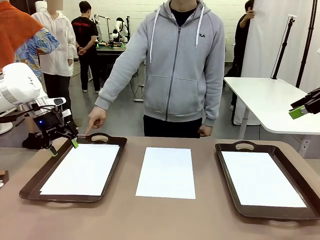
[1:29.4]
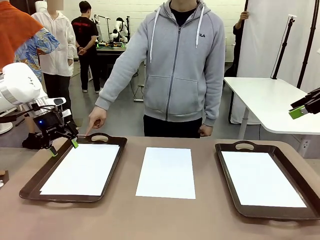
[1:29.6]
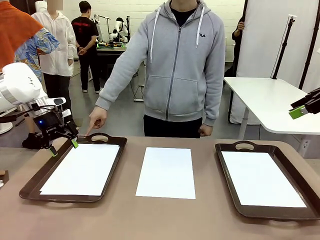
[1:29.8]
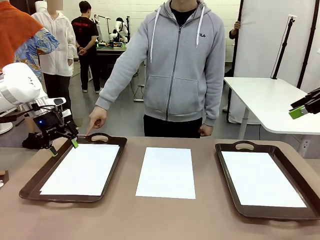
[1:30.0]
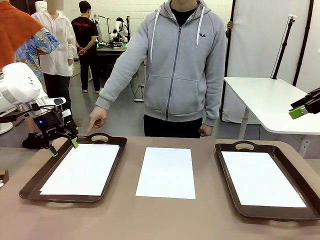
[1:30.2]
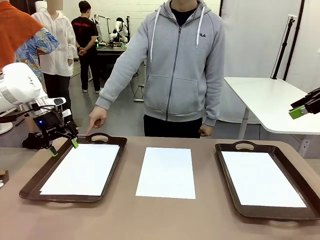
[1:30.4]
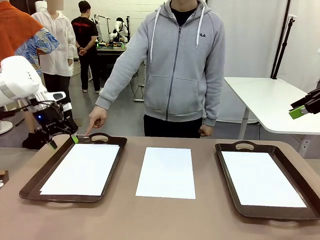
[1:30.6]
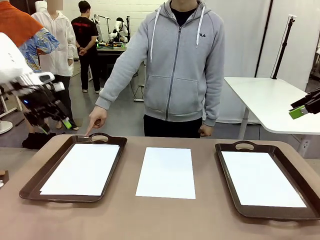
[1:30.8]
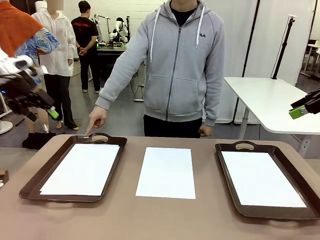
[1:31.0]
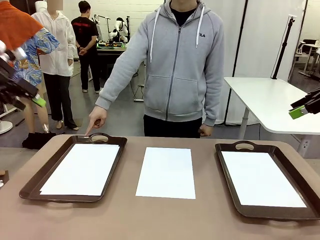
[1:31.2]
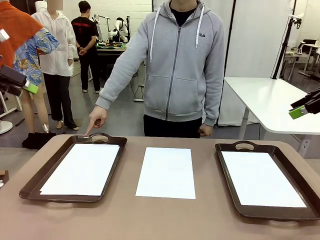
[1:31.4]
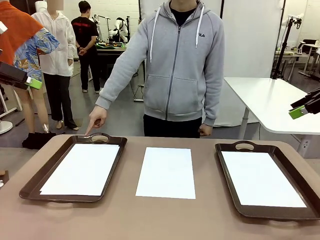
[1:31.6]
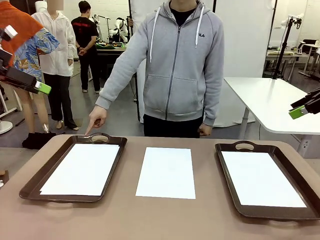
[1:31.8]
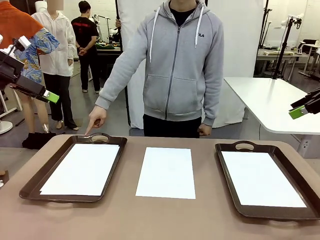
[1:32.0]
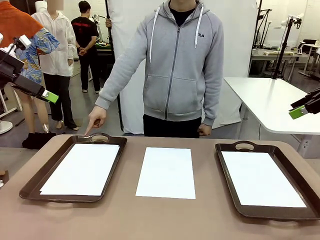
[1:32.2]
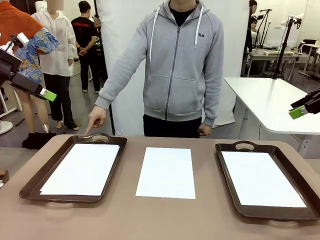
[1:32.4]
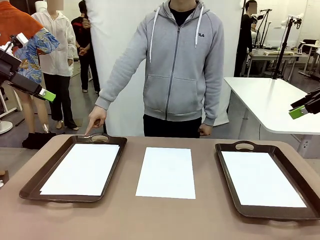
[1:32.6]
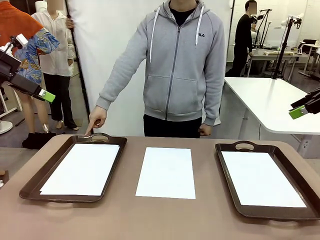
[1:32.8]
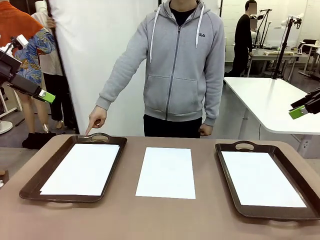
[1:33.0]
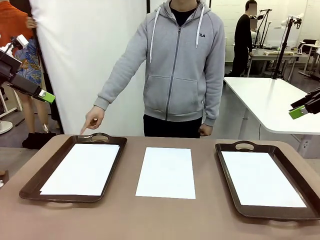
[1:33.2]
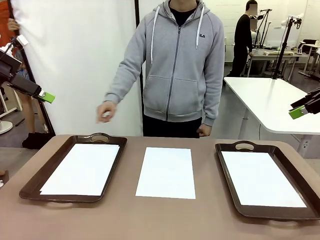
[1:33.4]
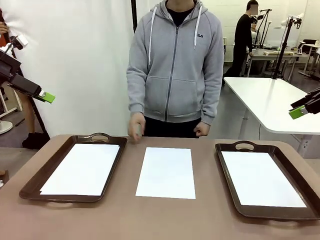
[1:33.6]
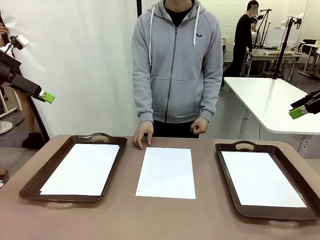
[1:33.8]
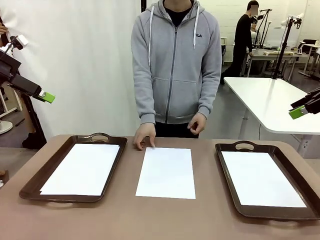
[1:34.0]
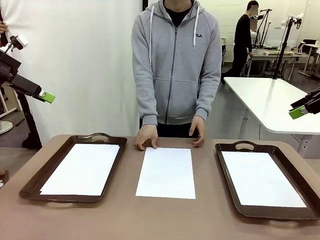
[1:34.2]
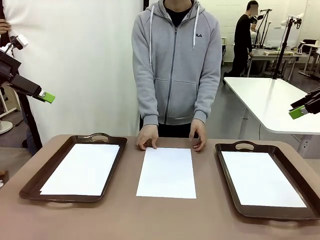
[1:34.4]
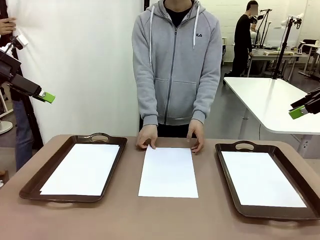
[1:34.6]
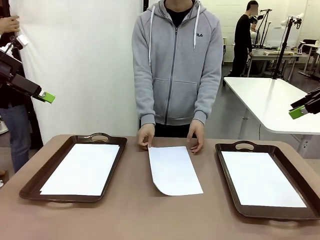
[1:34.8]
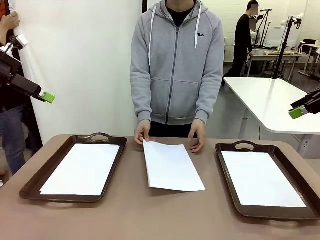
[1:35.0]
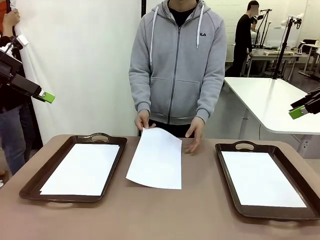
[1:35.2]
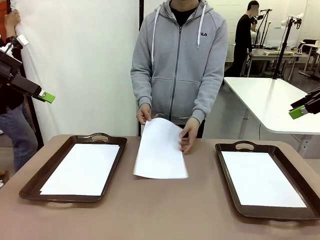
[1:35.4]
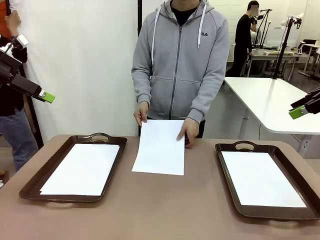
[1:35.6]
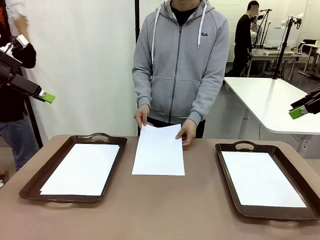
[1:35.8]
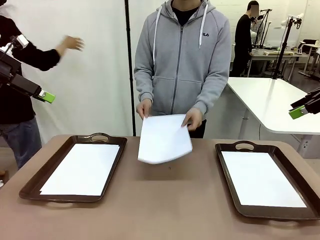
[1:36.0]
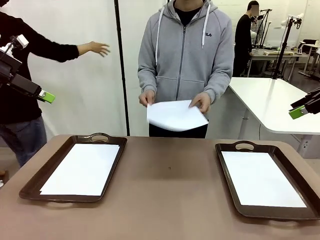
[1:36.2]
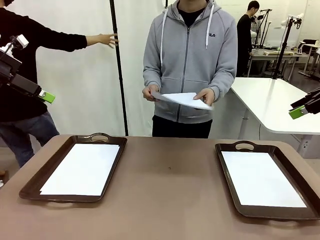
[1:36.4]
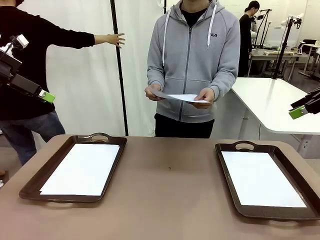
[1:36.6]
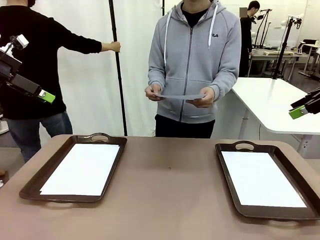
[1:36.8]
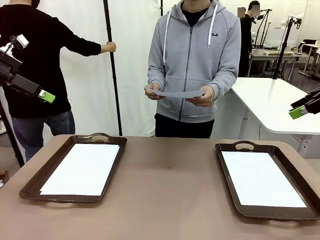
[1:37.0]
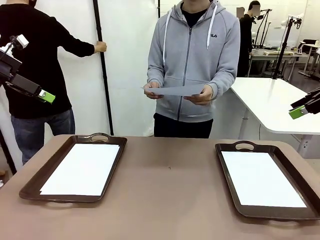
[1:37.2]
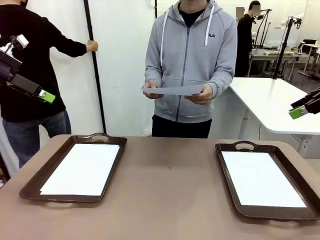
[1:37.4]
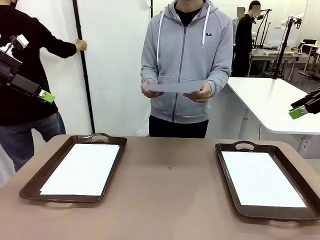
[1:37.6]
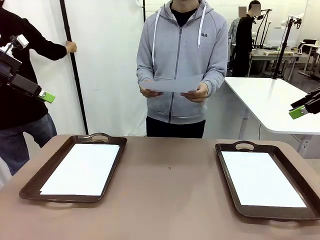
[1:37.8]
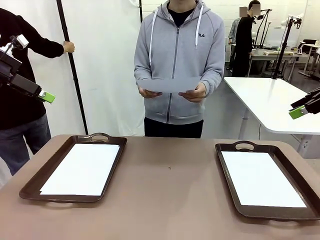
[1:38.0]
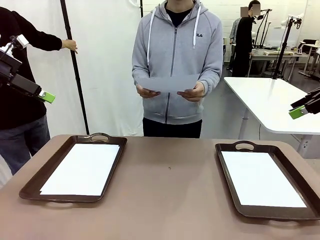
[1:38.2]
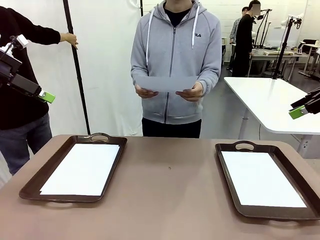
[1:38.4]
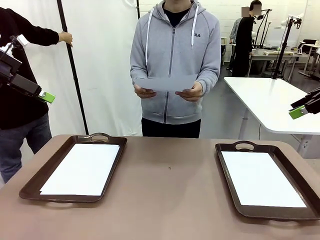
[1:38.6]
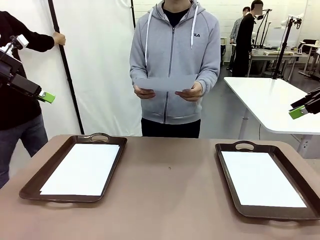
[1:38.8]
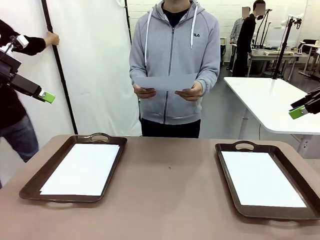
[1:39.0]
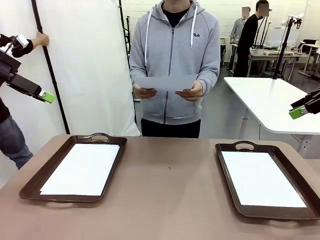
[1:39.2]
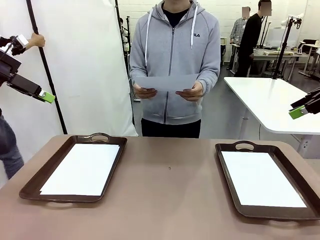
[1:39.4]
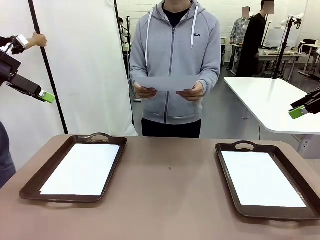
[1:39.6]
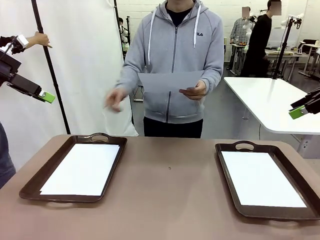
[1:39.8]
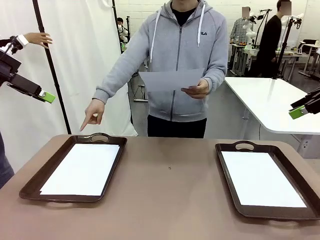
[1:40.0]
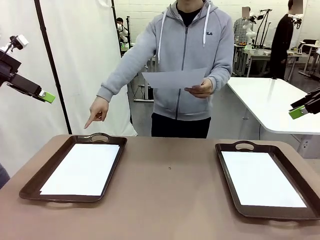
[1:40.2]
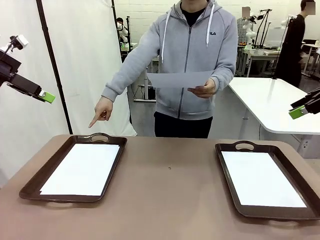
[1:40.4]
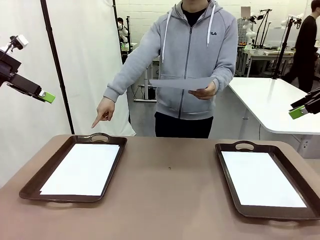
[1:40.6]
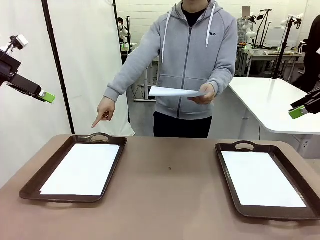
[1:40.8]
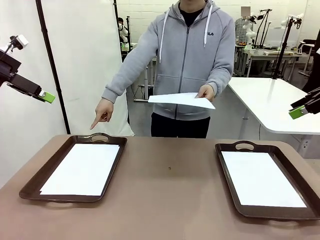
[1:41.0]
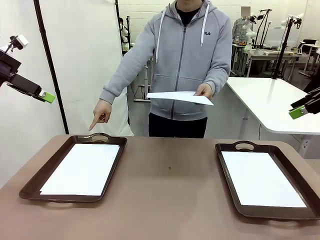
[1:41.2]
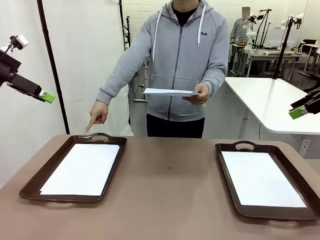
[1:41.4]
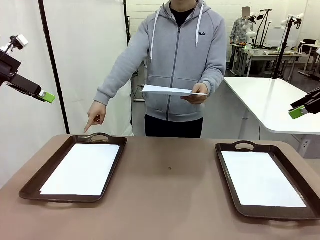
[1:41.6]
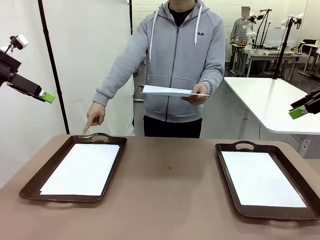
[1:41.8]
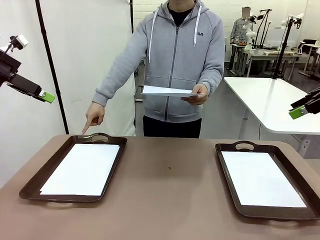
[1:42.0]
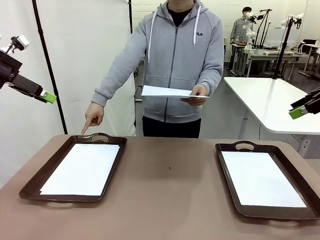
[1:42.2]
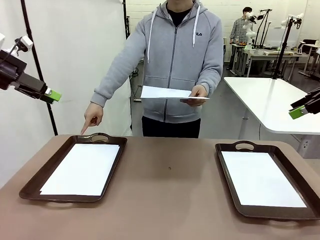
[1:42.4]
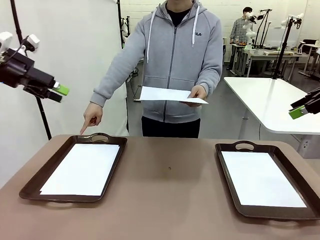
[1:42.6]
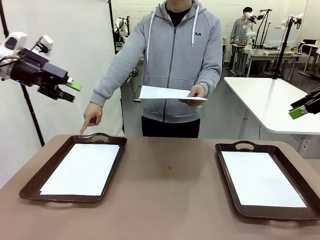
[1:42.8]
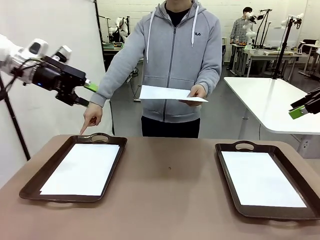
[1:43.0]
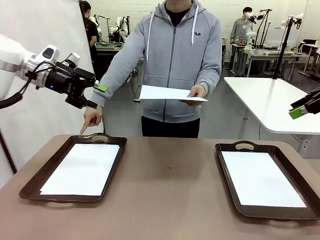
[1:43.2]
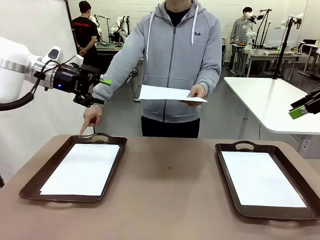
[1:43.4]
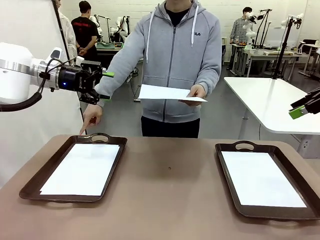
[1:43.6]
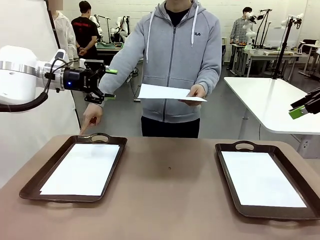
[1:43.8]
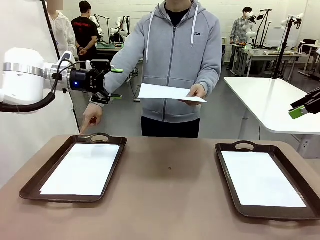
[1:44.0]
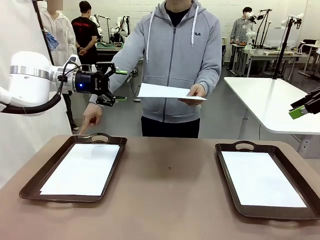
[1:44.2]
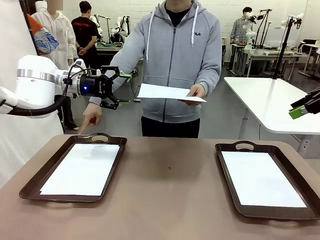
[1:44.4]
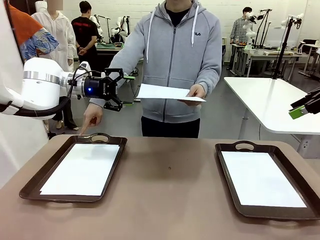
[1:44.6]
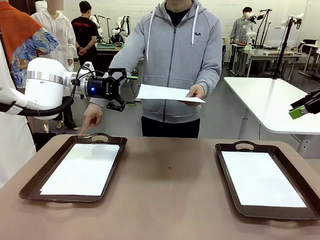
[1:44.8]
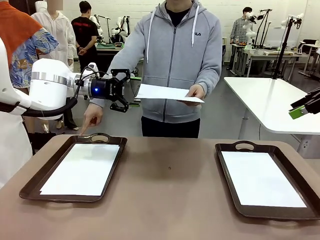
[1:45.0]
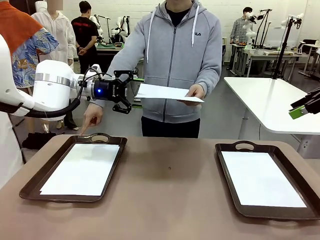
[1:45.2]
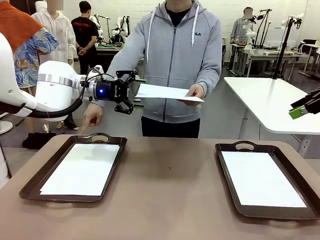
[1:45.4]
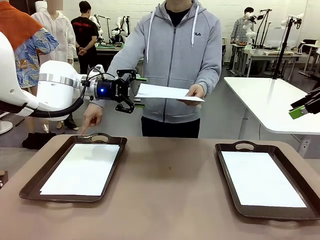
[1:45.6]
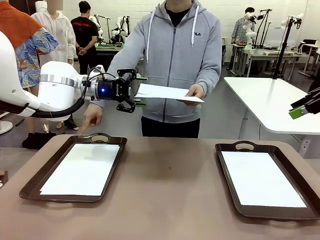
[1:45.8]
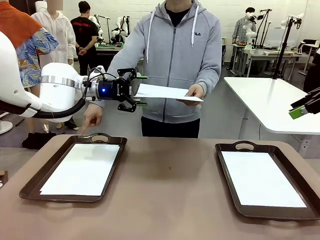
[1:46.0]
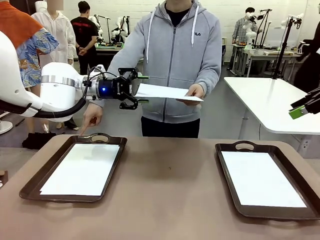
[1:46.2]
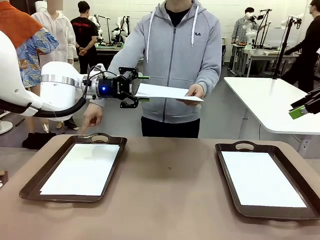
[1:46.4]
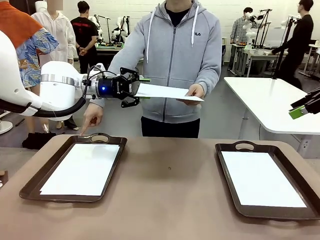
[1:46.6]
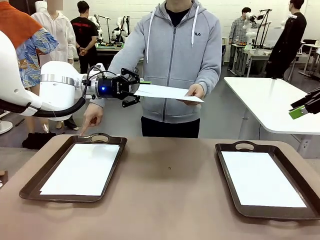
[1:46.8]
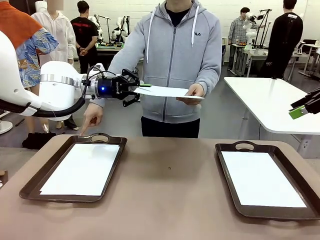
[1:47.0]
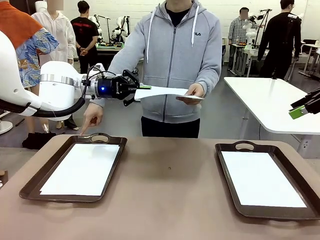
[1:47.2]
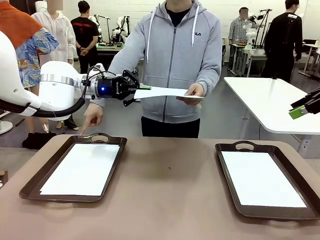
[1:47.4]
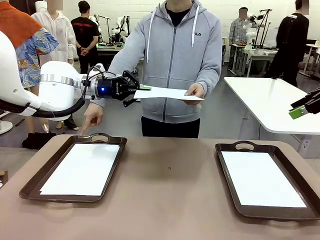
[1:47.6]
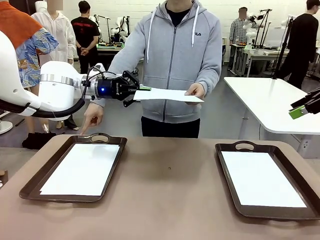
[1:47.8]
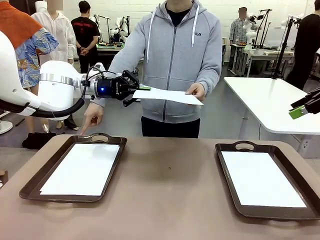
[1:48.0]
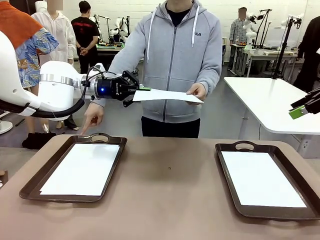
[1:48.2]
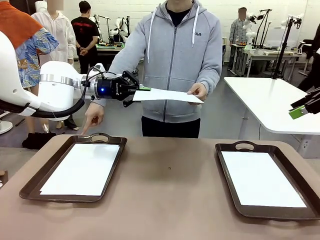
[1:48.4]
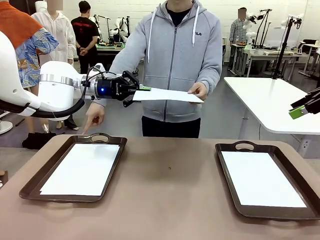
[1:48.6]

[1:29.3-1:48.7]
Task: Sort the A4 documents.
Robot: Receive the A4 Paper.
Person: Point the randomly selected tray with the other hand.
